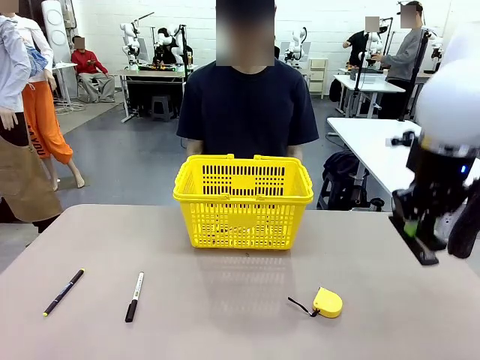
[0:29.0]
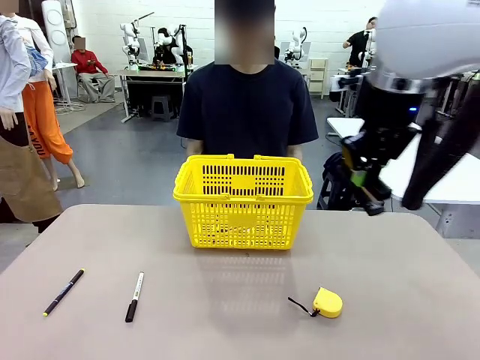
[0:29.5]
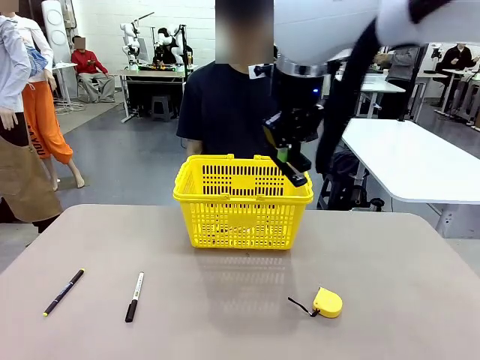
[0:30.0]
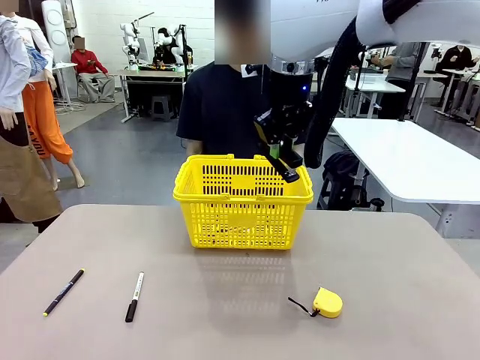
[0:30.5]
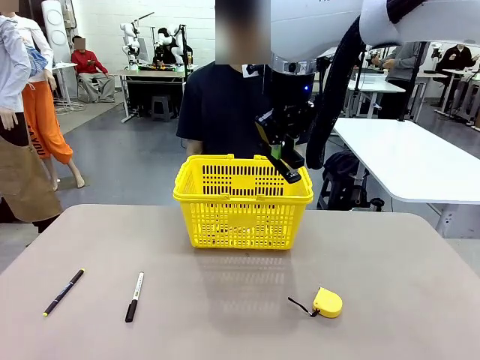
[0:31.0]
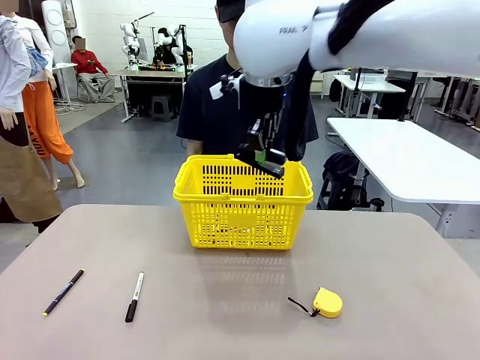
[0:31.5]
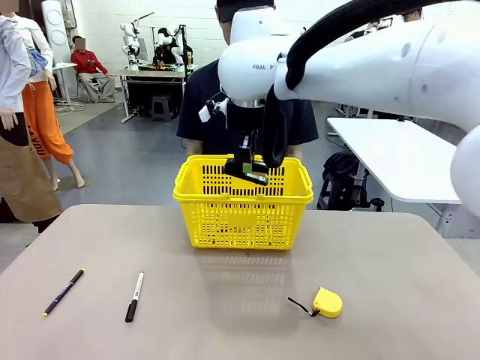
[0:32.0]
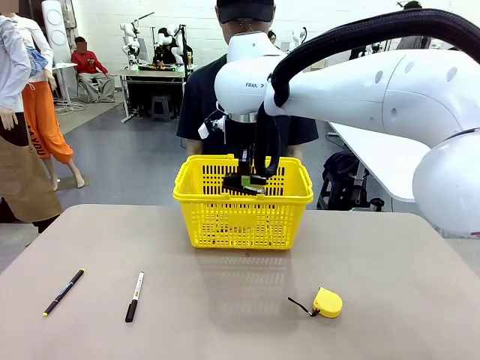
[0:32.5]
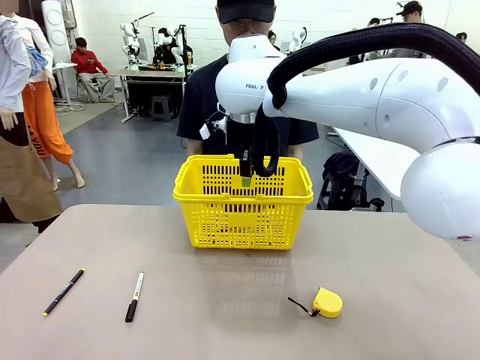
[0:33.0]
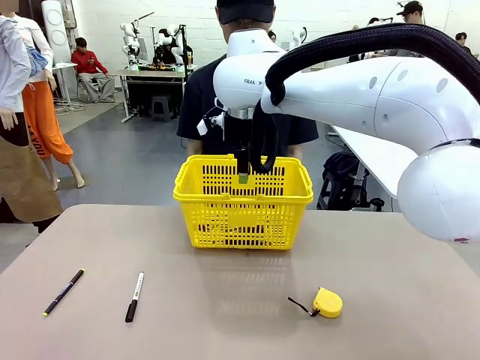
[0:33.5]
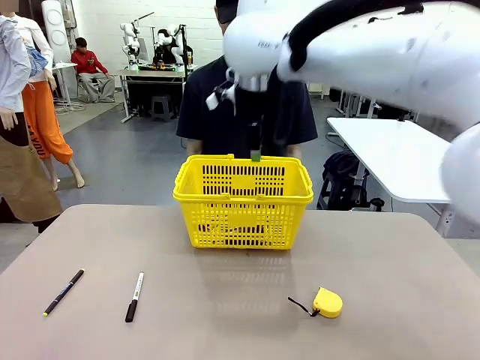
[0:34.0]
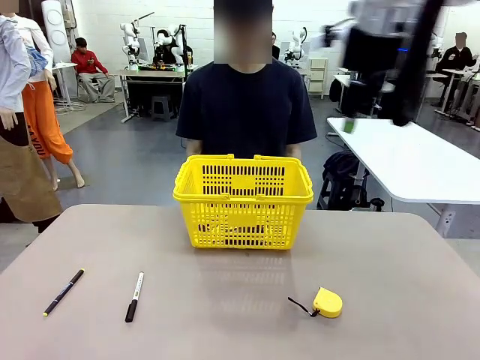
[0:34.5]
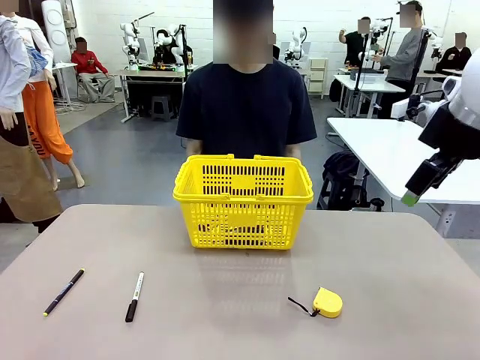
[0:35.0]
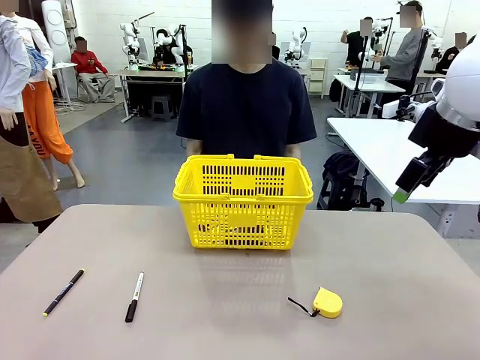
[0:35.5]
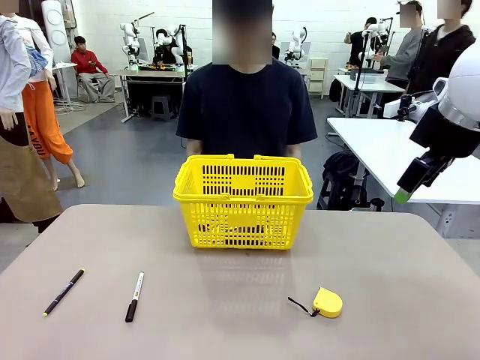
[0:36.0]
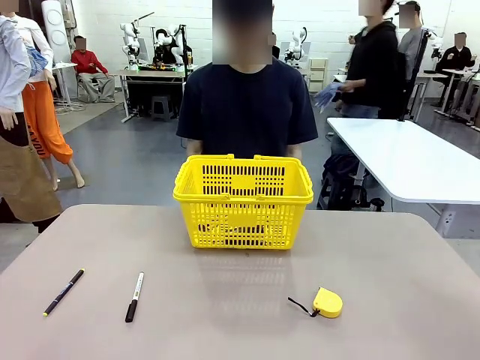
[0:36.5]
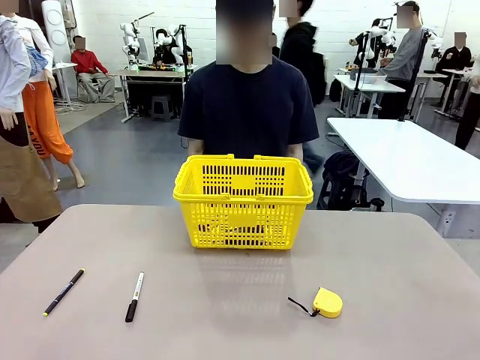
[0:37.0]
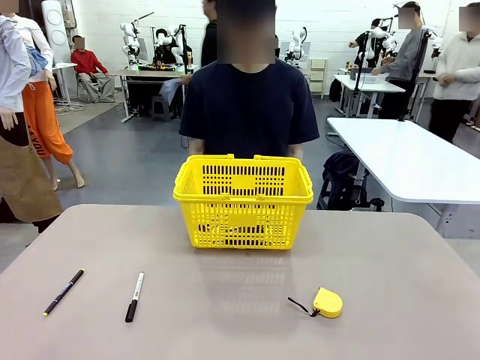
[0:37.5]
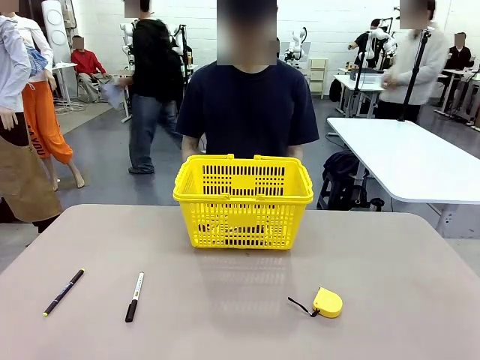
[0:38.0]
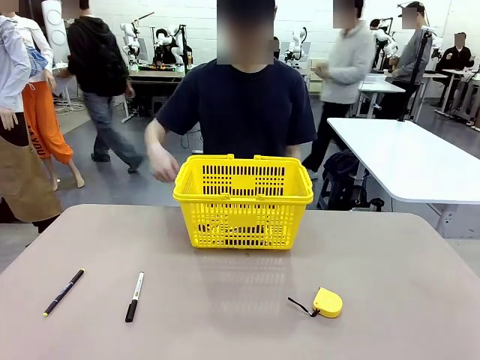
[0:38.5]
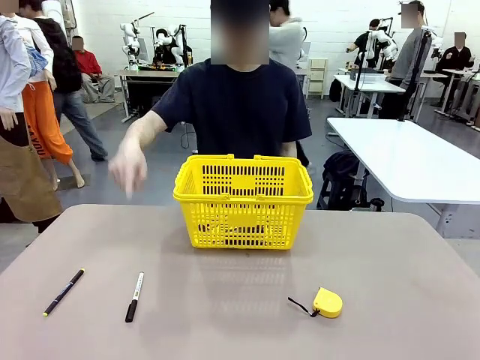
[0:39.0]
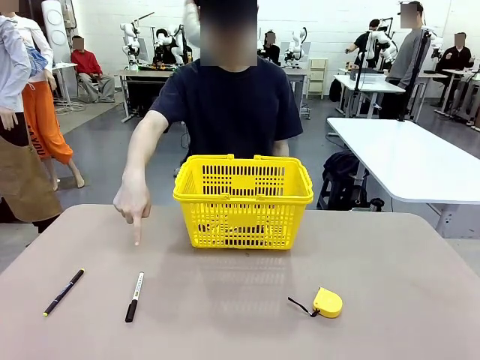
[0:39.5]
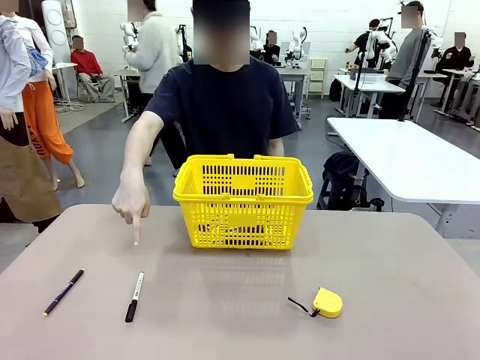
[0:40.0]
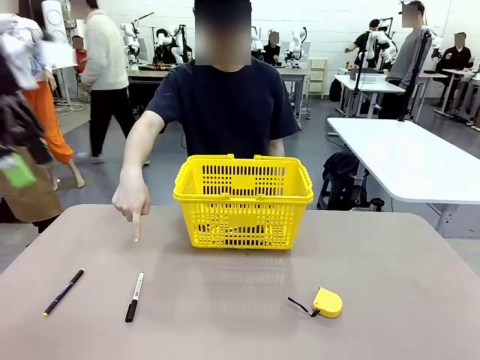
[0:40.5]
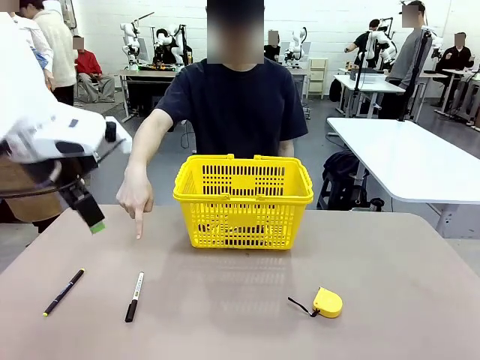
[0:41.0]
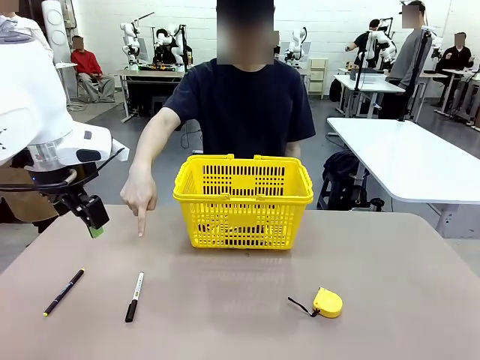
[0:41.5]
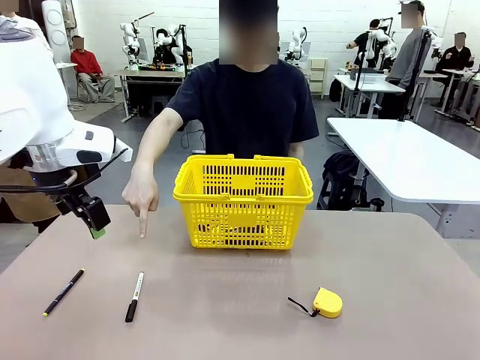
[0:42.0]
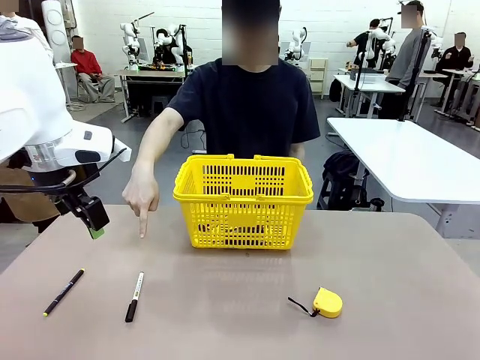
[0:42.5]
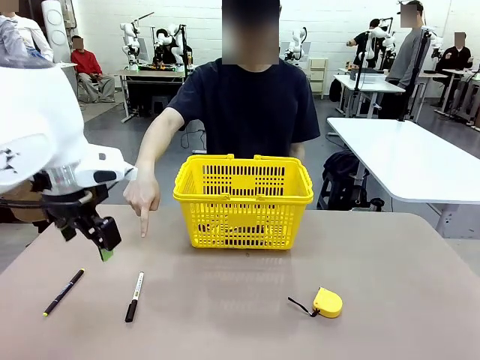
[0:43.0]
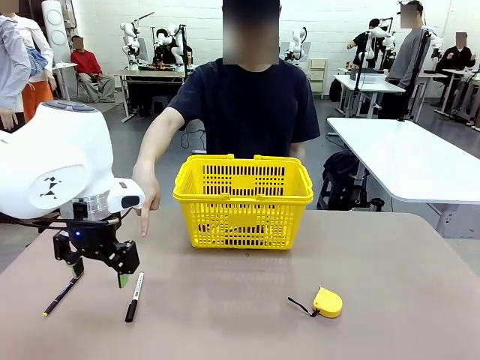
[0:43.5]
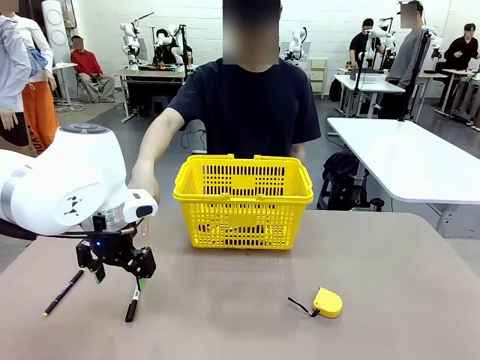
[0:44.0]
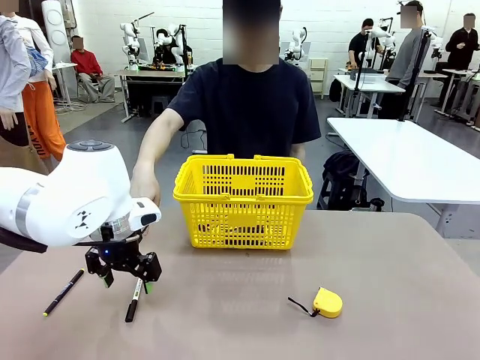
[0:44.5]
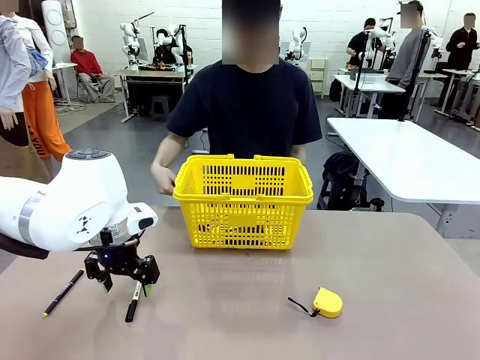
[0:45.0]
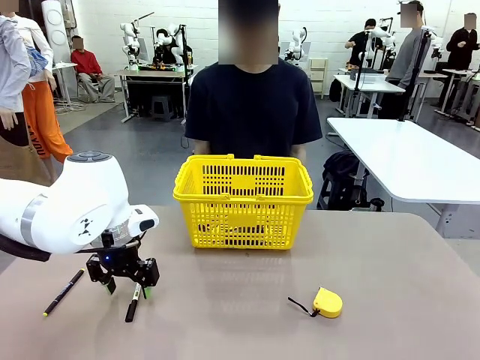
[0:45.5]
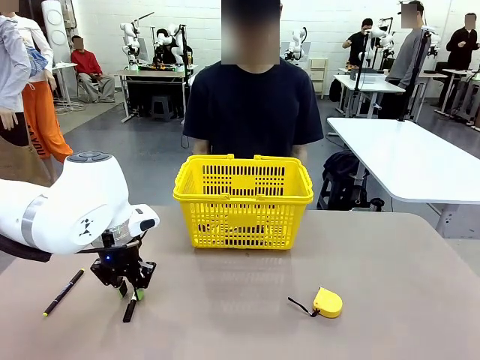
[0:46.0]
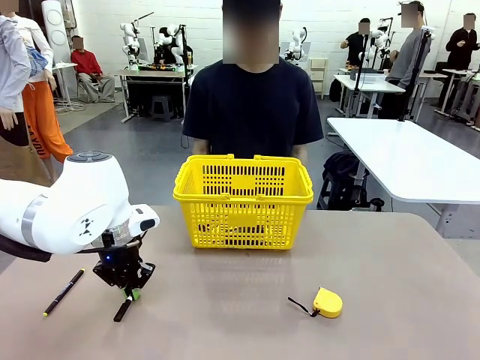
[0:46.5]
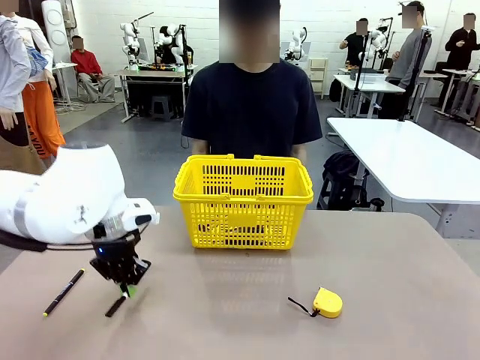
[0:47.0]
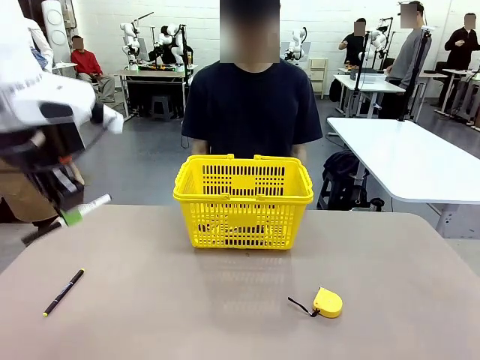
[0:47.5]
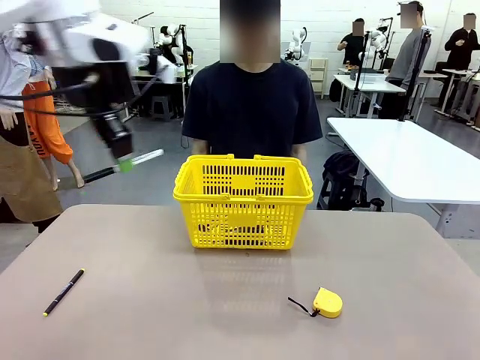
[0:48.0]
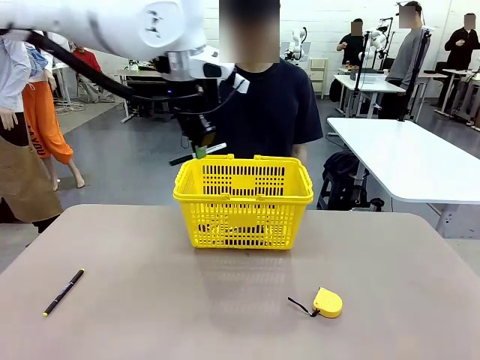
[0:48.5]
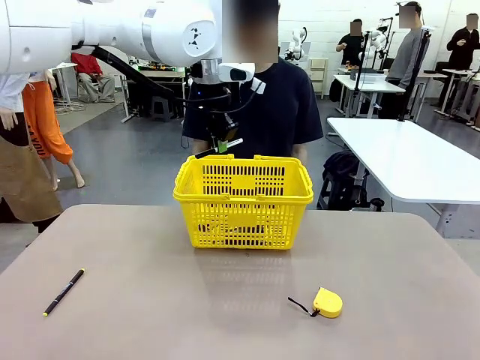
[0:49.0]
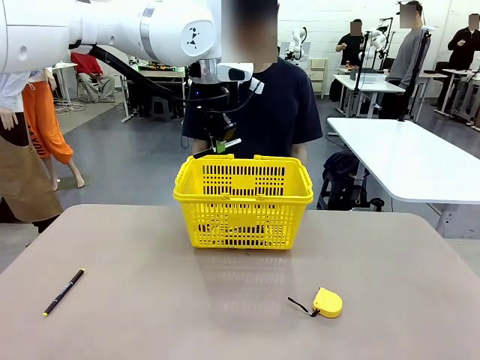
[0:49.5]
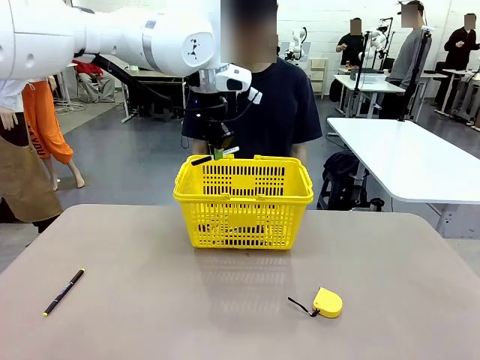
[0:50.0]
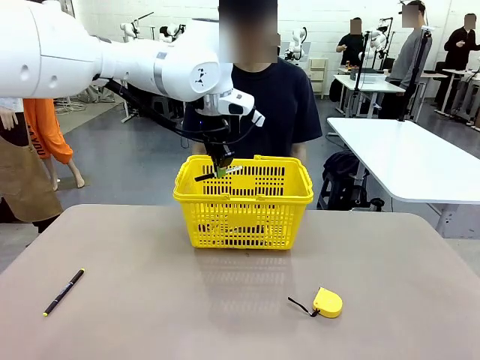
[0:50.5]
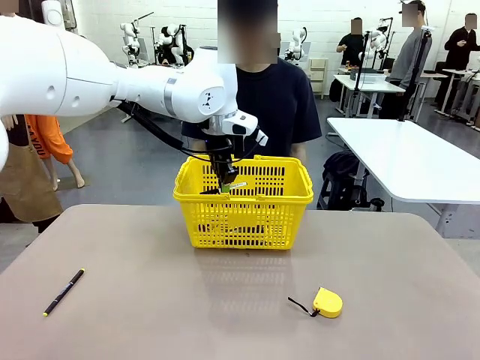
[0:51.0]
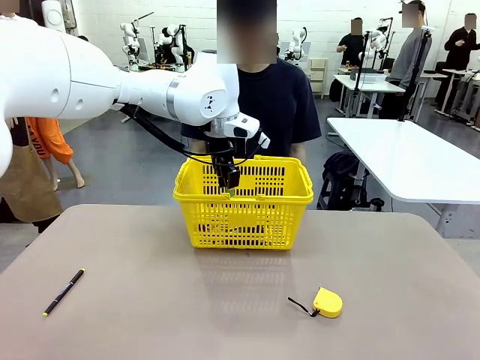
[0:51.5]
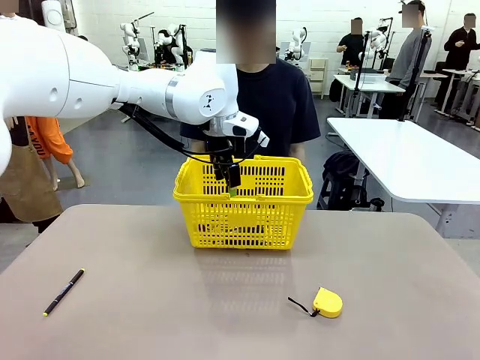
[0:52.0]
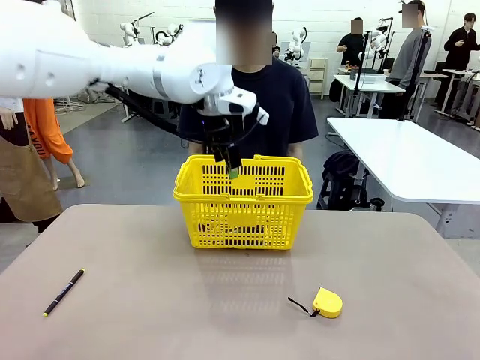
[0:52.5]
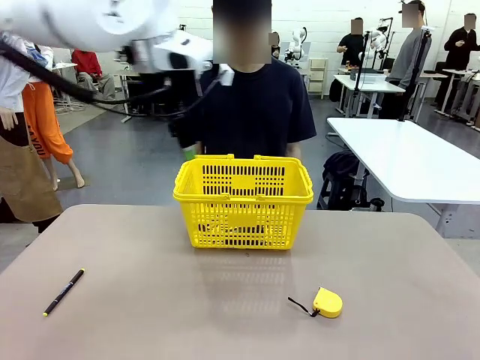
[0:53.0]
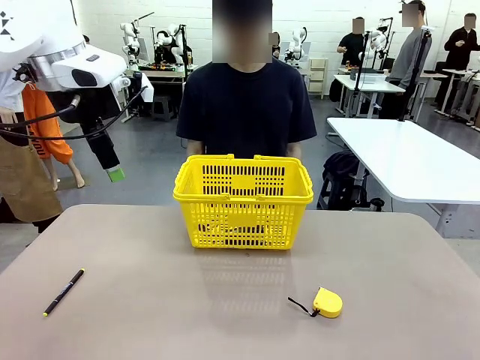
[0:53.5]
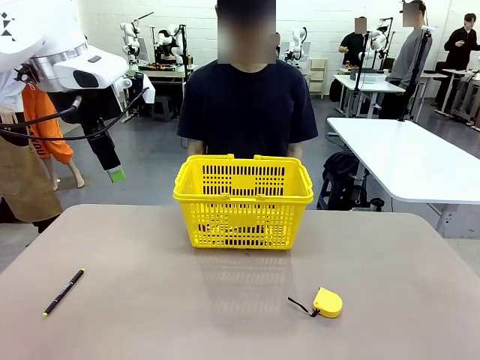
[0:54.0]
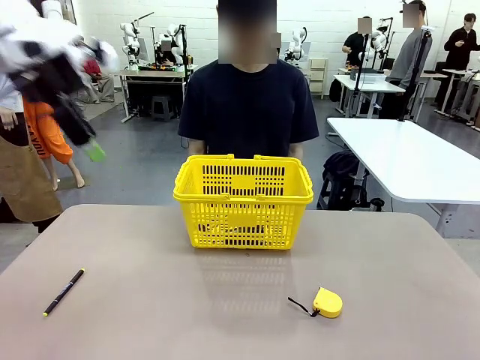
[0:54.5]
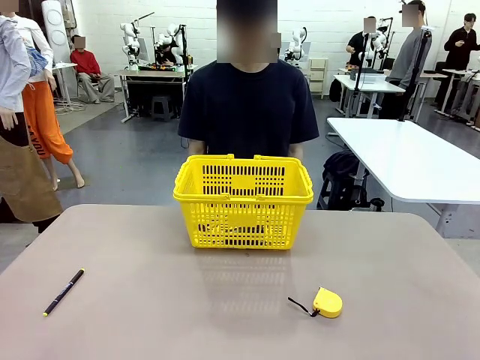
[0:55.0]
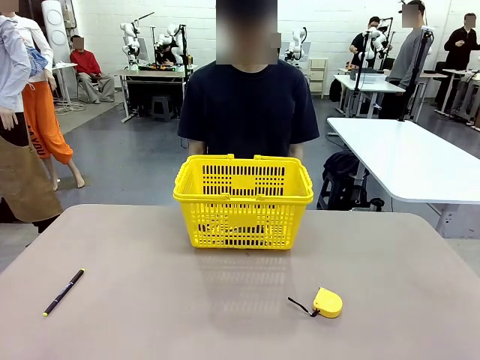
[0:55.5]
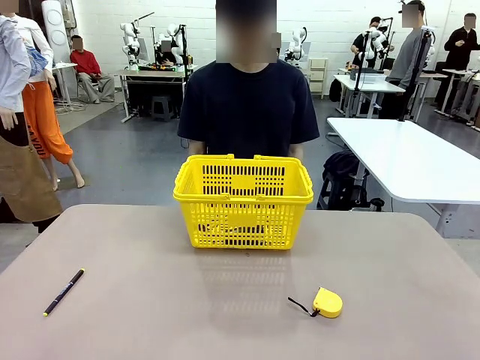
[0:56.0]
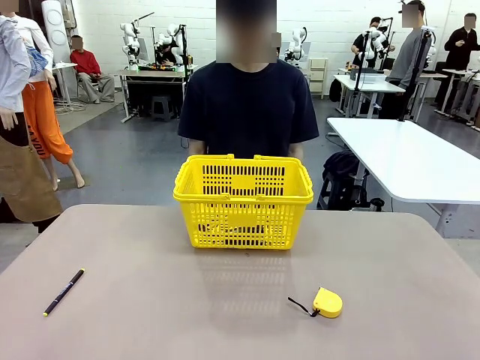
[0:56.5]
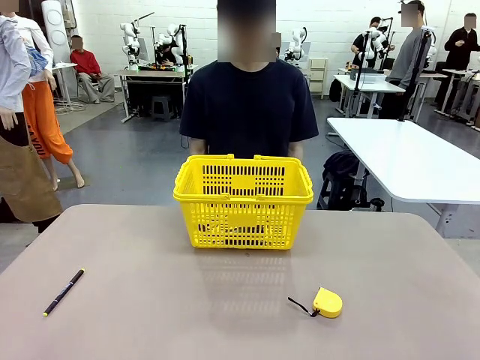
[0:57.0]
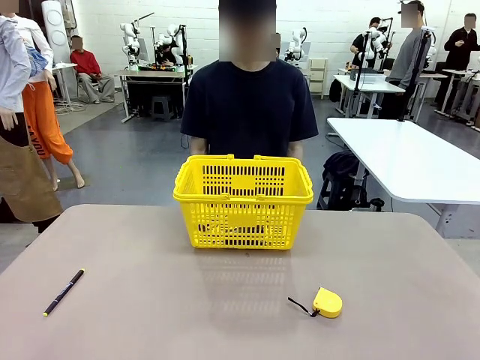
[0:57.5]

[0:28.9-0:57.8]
Task: Place the items the person wants into the basket.
Robot: Pick up the item the person points to and place it in the Market Basket.
